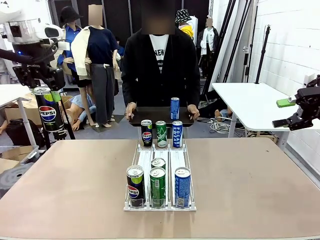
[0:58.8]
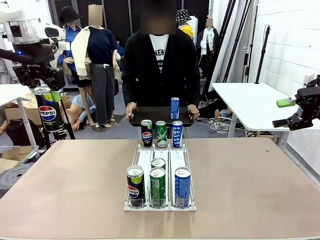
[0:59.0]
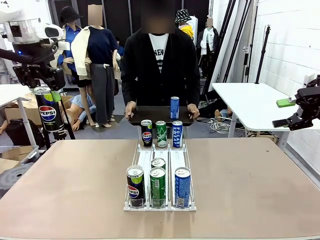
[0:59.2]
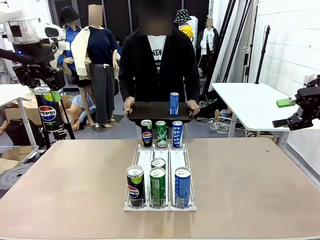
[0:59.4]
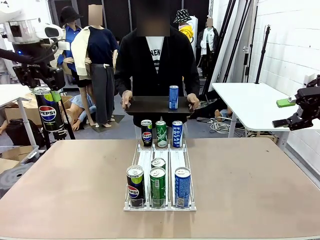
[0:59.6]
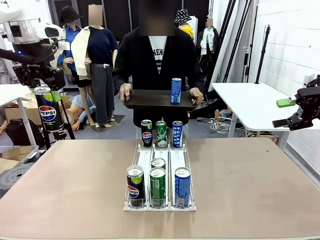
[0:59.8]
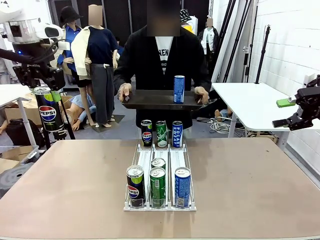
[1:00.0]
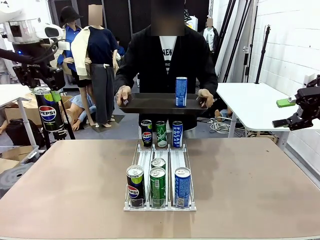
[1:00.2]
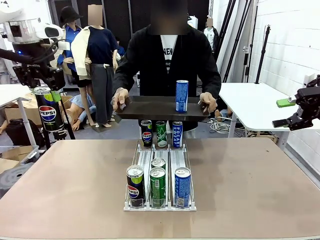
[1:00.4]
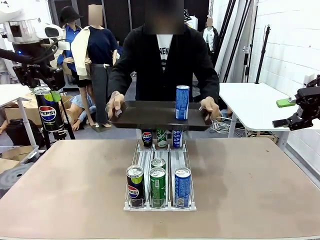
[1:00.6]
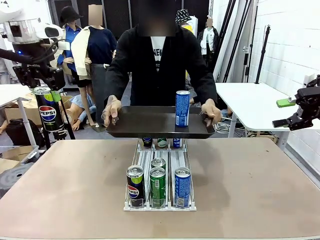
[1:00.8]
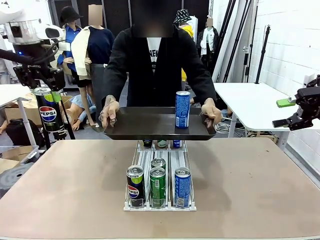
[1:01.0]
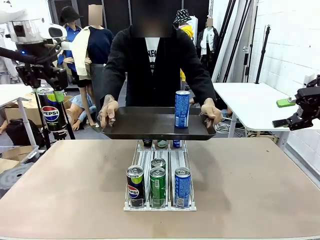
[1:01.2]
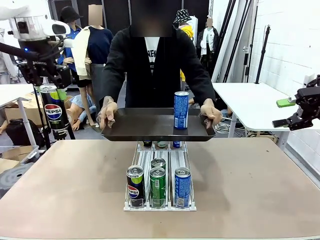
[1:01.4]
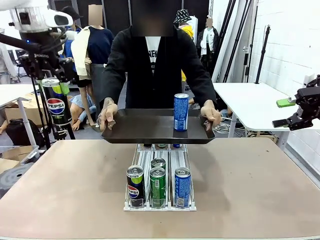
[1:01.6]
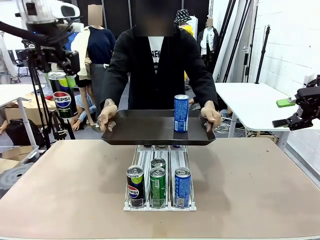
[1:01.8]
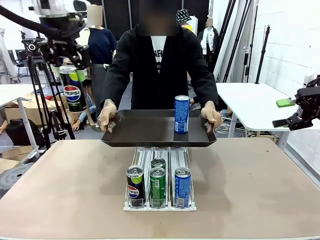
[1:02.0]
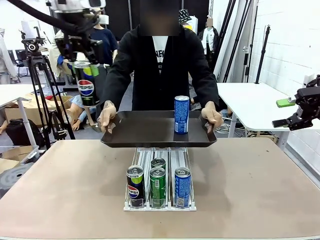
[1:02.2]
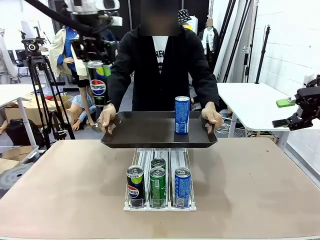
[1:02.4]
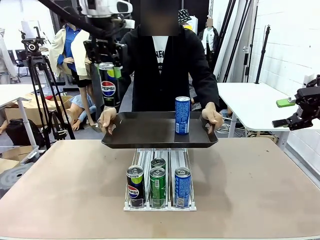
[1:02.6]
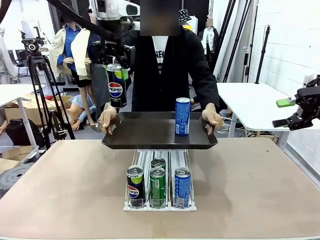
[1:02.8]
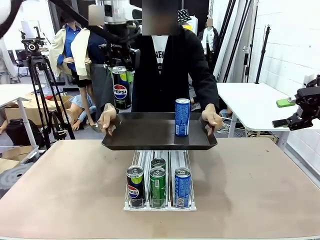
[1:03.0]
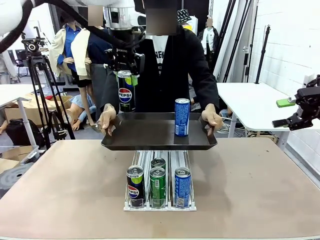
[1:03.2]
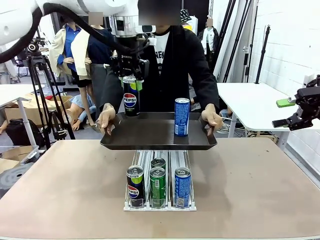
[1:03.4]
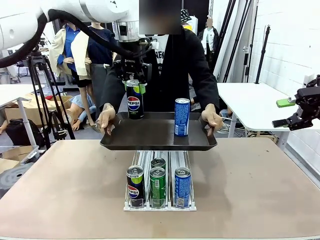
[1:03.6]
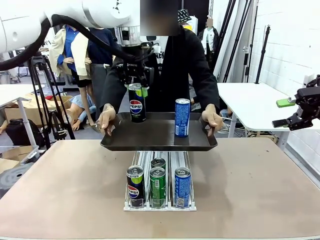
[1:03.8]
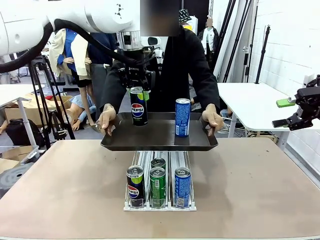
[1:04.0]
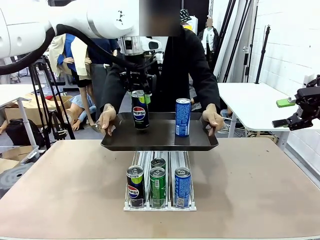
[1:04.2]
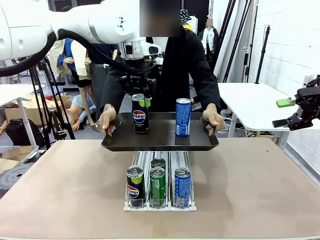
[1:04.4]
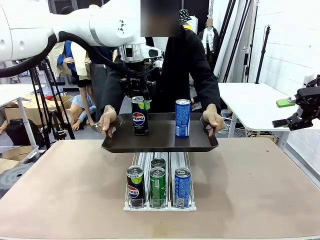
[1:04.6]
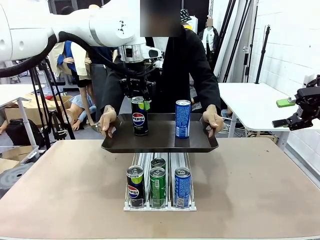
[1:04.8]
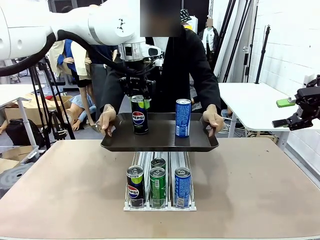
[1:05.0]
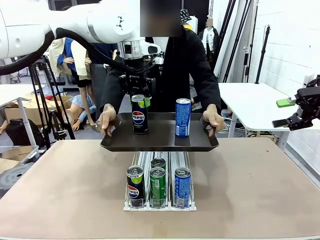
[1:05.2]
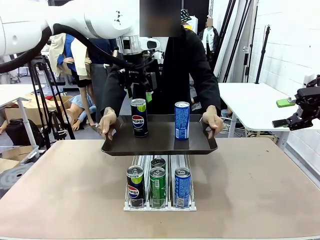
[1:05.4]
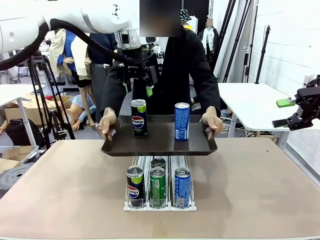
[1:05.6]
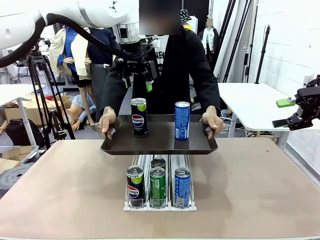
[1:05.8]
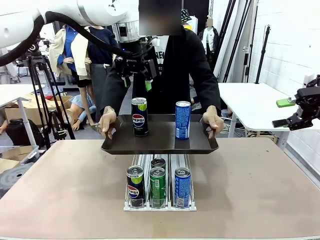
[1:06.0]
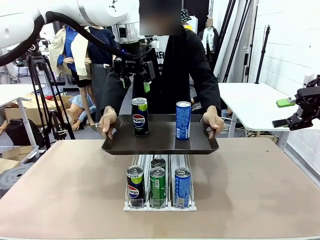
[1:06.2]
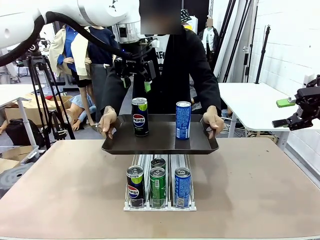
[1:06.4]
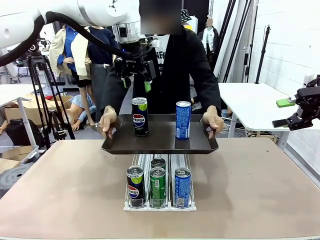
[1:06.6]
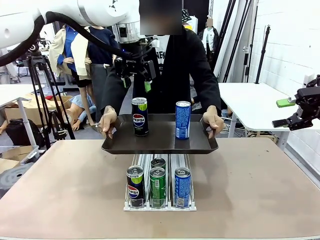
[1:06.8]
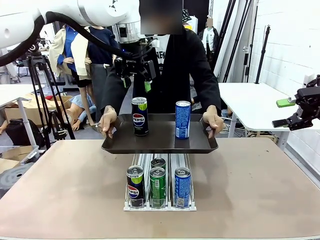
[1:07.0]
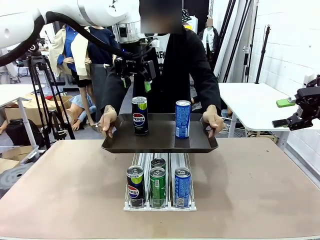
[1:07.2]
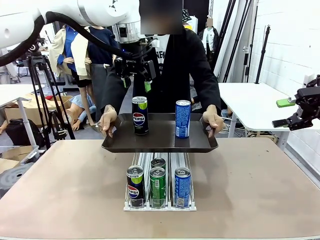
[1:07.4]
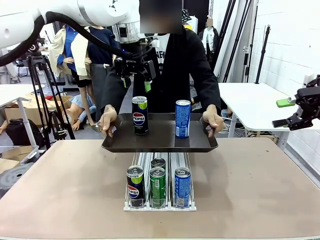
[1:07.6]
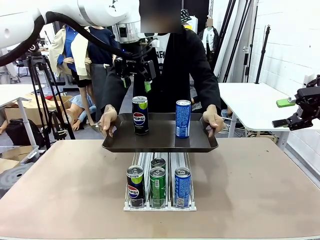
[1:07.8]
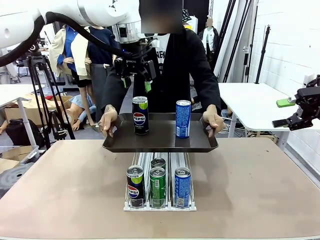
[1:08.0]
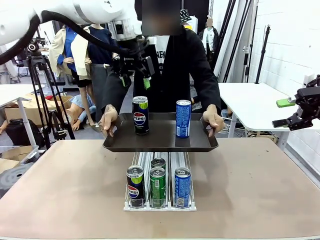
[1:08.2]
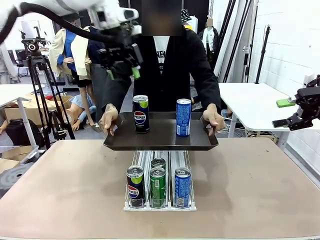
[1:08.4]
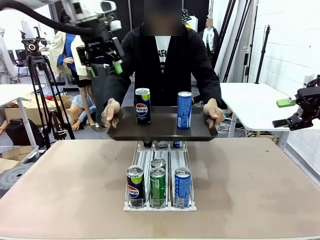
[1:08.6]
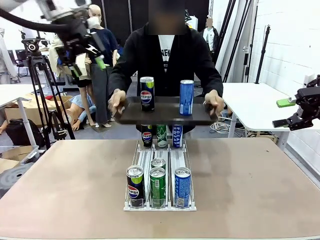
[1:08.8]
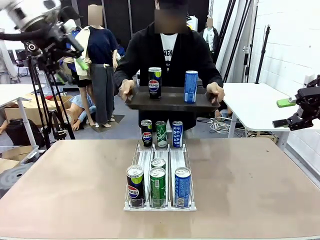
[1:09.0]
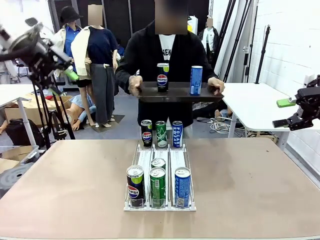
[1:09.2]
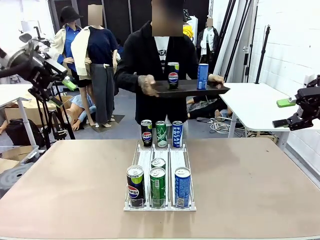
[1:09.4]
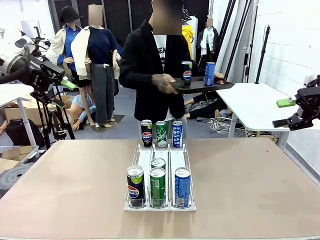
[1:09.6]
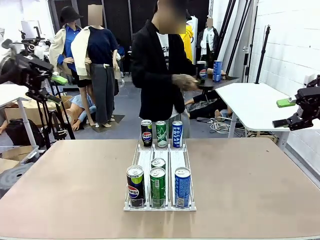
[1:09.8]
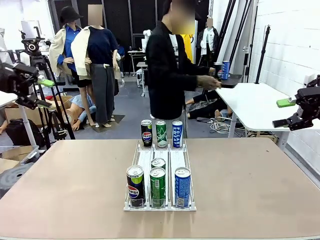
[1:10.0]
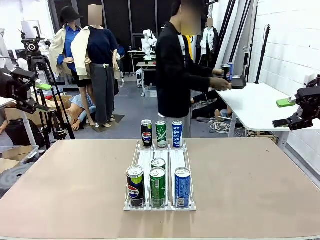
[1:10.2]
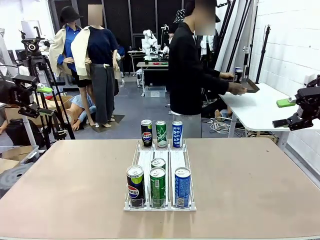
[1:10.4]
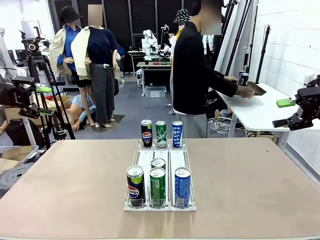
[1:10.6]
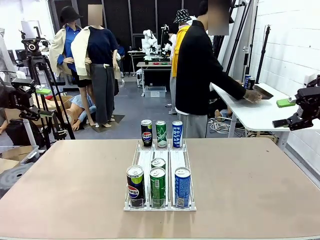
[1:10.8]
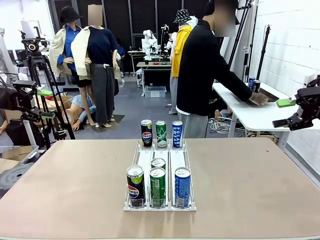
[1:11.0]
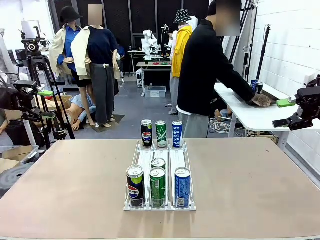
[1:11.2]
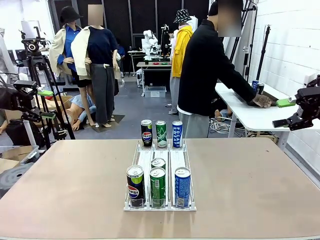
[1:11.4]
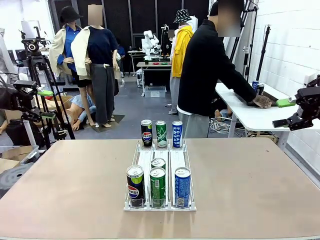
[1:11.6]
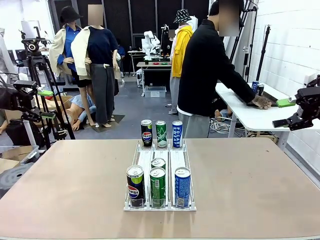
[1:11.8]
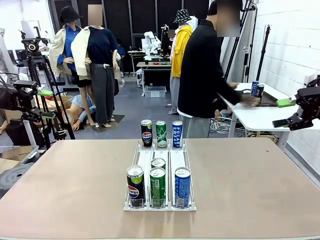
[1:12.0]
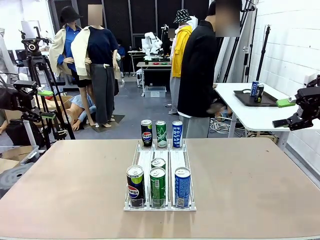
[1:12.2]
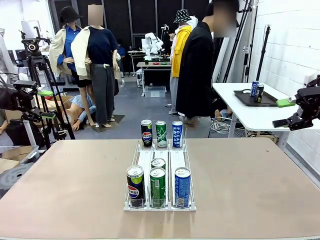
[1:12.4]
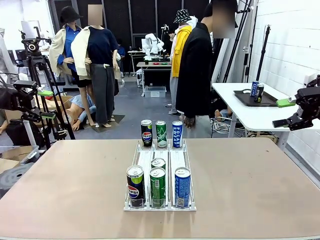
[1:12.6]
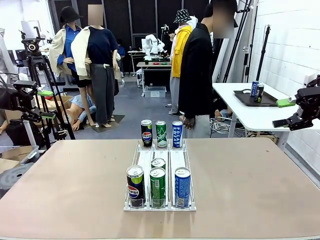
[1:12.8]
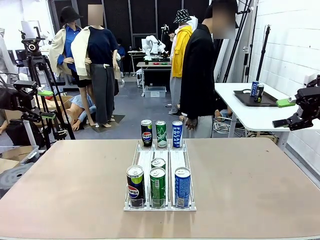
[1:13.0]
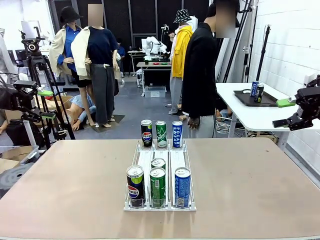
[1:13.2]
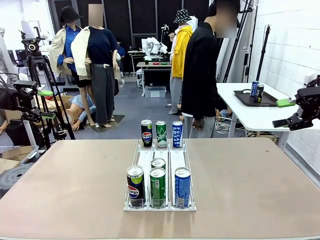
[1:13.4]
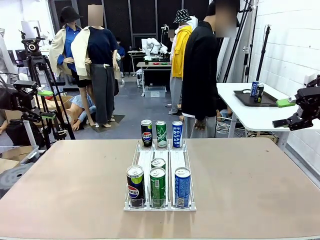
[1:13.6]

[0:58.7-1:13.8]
Task: Retrieve and hand over the desired beverage to the person.
Robot: Place the picked can on the Handle tray extended by the person.
Person: Pull the tray back and place it at the center of the human table.
